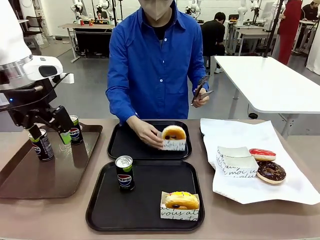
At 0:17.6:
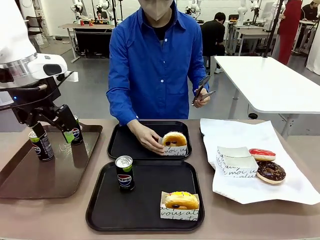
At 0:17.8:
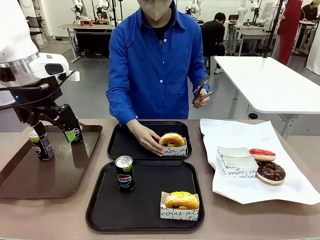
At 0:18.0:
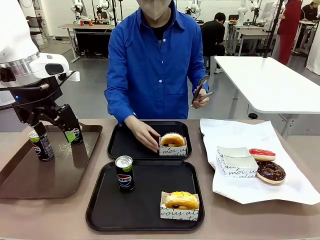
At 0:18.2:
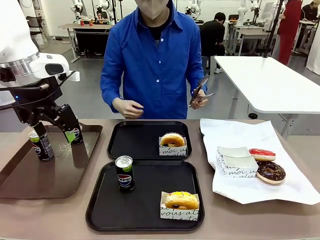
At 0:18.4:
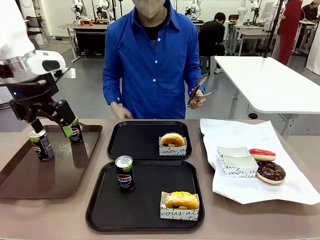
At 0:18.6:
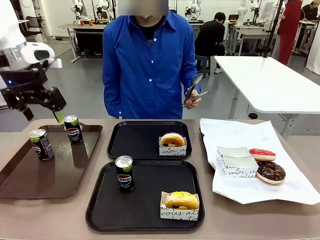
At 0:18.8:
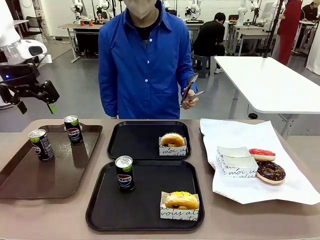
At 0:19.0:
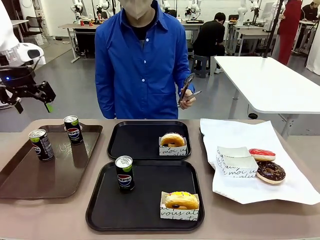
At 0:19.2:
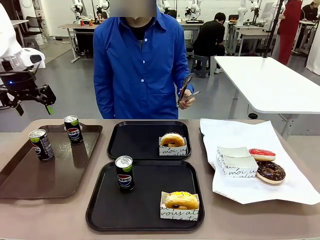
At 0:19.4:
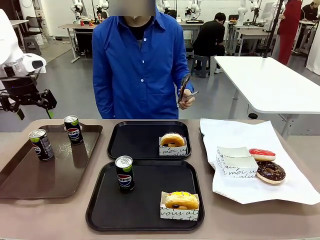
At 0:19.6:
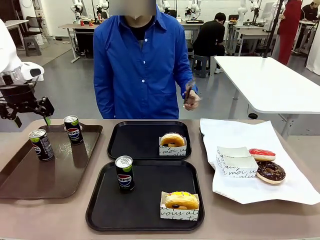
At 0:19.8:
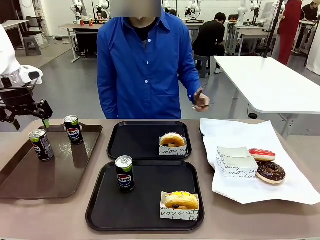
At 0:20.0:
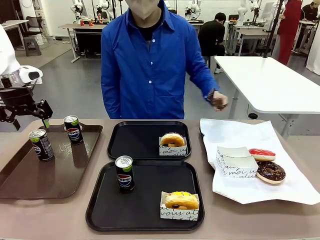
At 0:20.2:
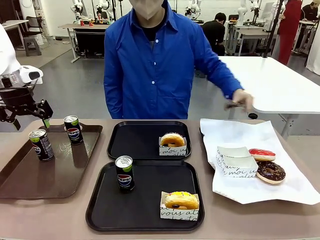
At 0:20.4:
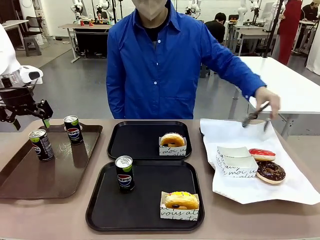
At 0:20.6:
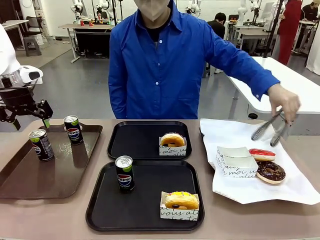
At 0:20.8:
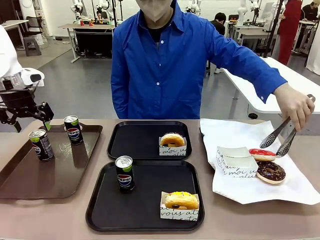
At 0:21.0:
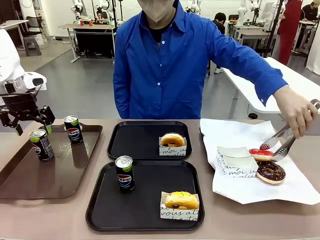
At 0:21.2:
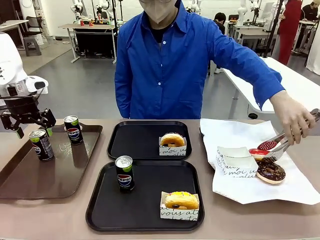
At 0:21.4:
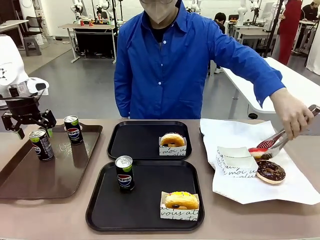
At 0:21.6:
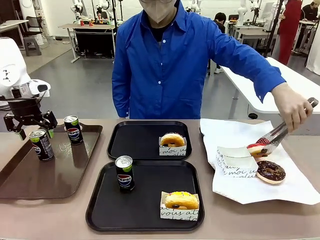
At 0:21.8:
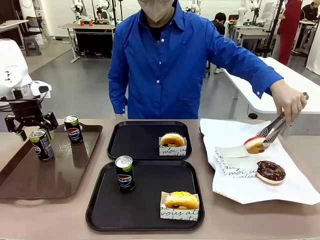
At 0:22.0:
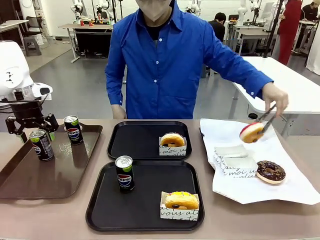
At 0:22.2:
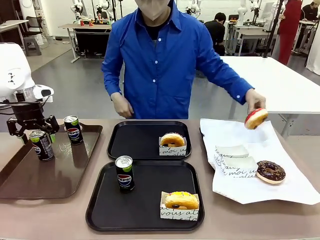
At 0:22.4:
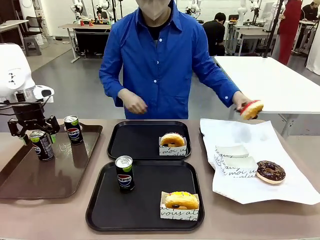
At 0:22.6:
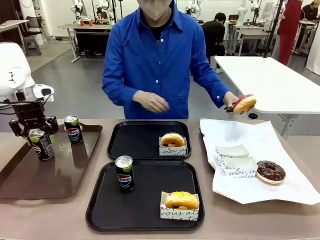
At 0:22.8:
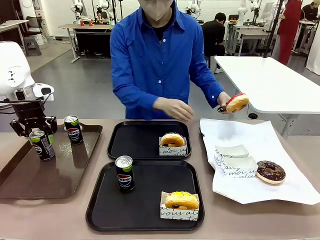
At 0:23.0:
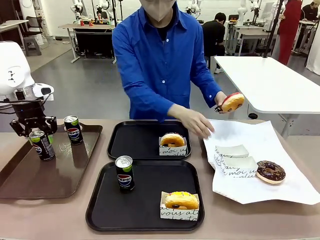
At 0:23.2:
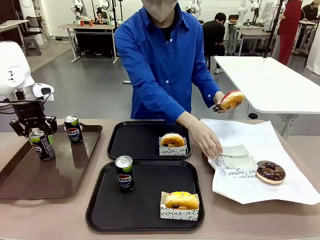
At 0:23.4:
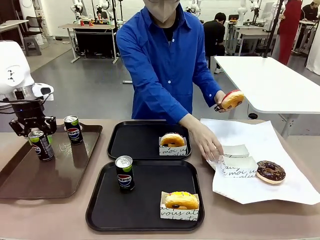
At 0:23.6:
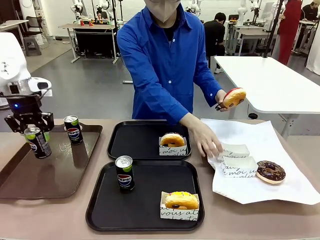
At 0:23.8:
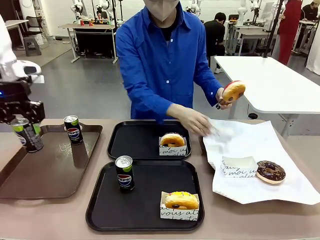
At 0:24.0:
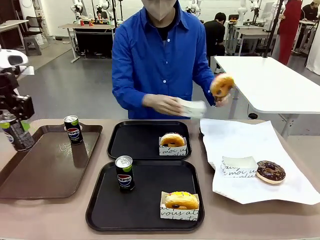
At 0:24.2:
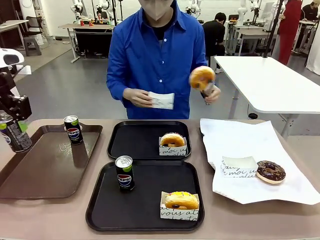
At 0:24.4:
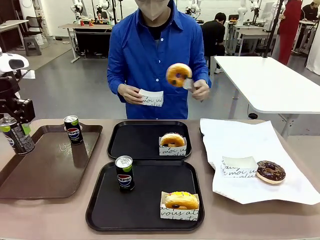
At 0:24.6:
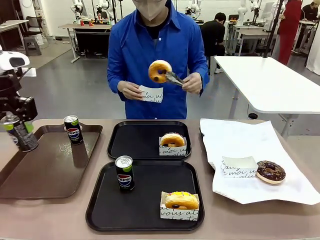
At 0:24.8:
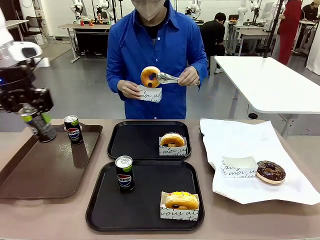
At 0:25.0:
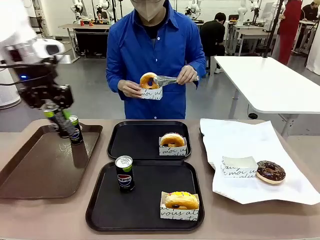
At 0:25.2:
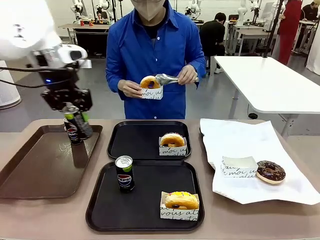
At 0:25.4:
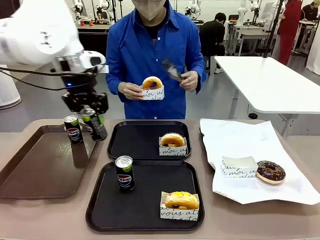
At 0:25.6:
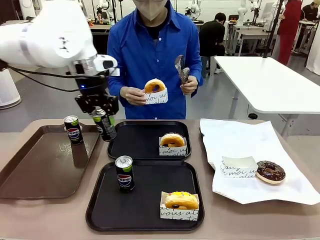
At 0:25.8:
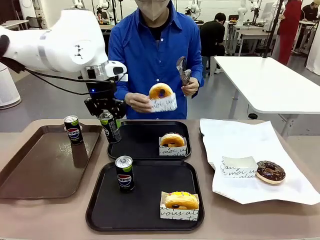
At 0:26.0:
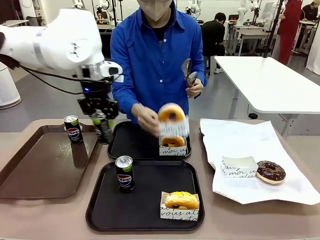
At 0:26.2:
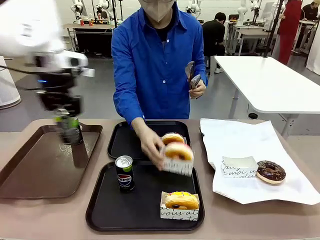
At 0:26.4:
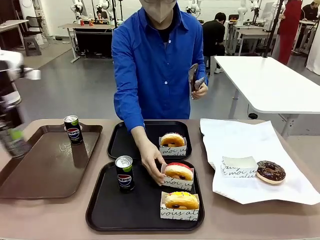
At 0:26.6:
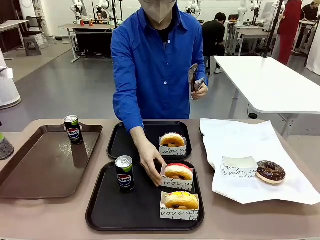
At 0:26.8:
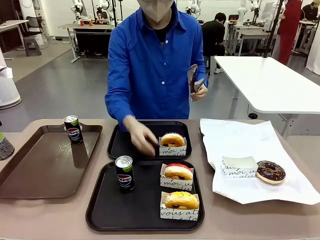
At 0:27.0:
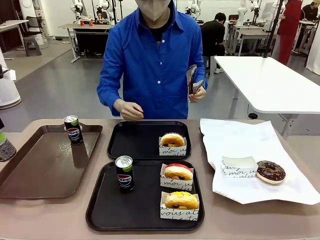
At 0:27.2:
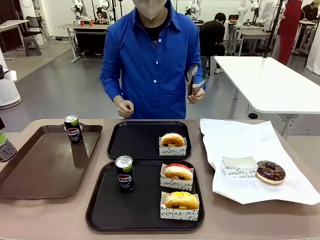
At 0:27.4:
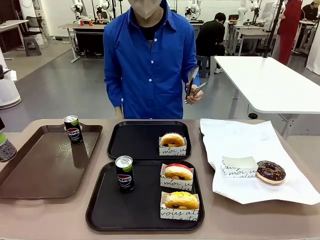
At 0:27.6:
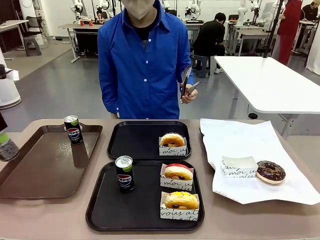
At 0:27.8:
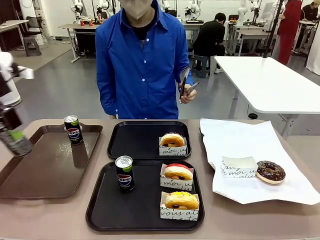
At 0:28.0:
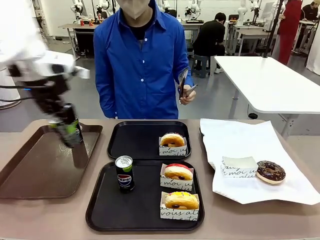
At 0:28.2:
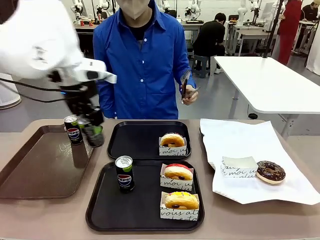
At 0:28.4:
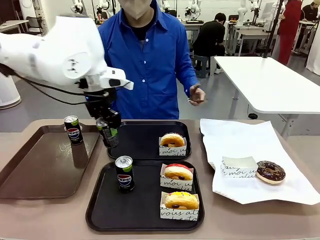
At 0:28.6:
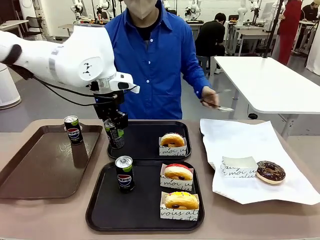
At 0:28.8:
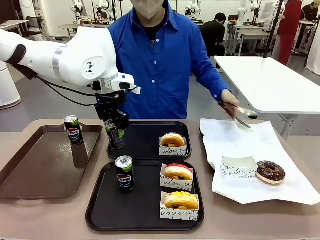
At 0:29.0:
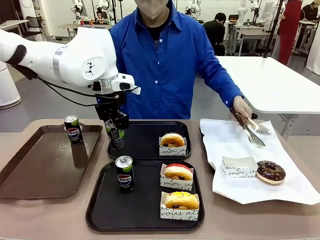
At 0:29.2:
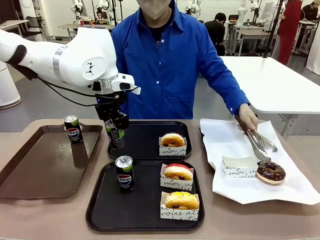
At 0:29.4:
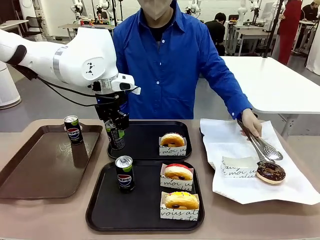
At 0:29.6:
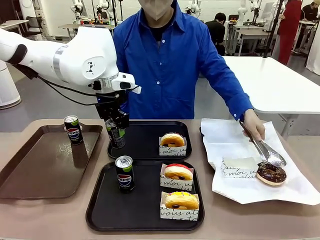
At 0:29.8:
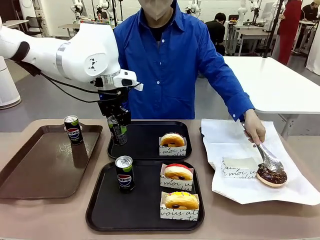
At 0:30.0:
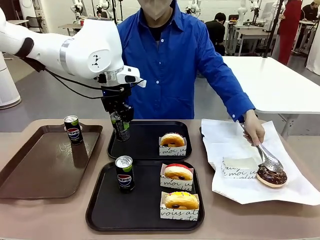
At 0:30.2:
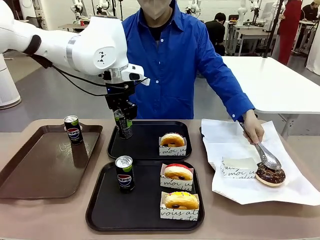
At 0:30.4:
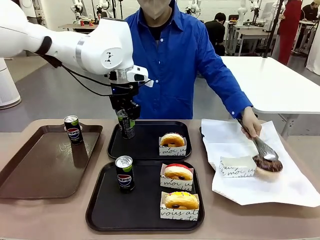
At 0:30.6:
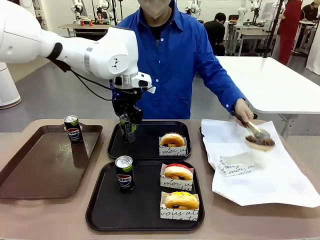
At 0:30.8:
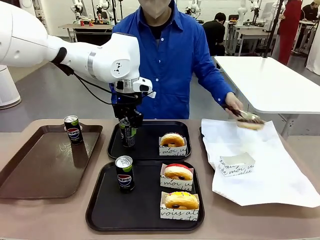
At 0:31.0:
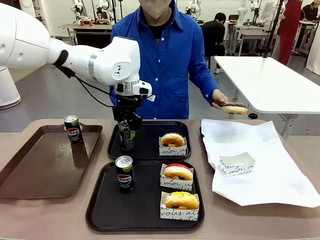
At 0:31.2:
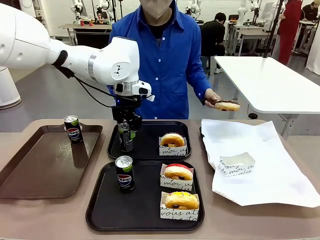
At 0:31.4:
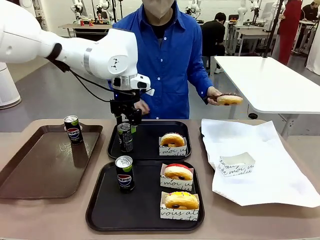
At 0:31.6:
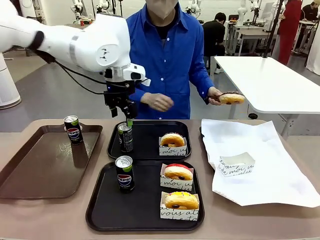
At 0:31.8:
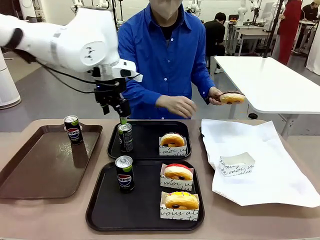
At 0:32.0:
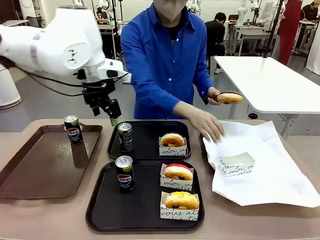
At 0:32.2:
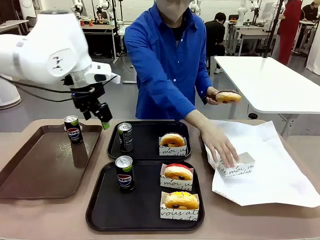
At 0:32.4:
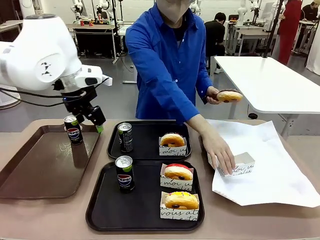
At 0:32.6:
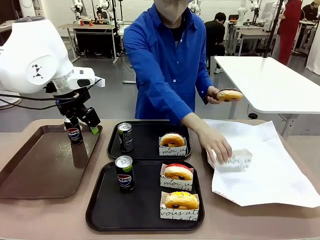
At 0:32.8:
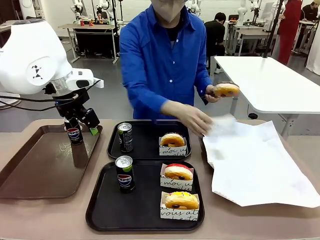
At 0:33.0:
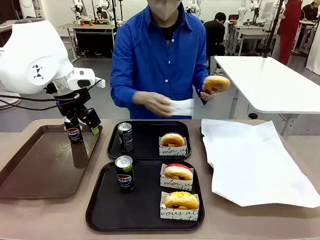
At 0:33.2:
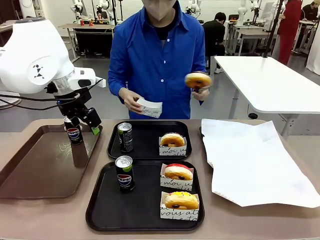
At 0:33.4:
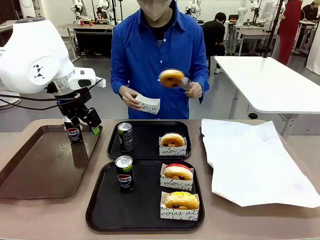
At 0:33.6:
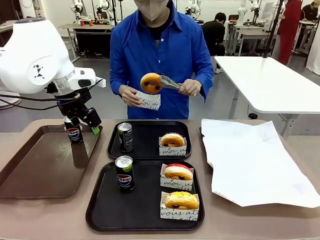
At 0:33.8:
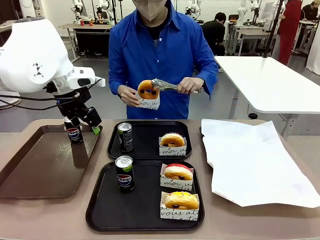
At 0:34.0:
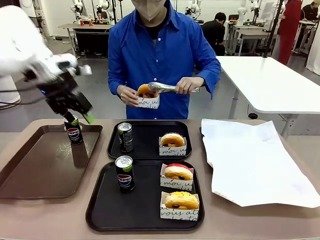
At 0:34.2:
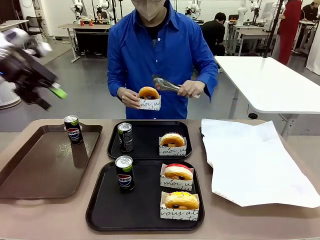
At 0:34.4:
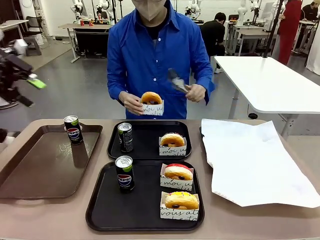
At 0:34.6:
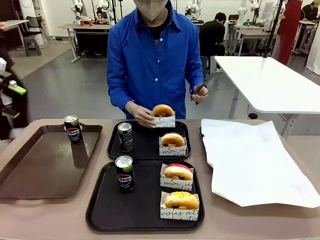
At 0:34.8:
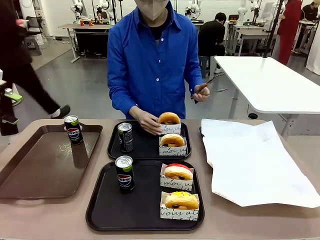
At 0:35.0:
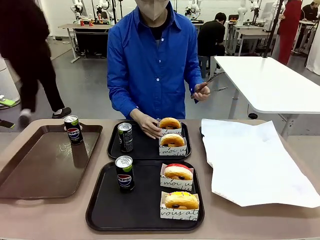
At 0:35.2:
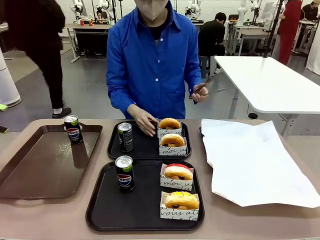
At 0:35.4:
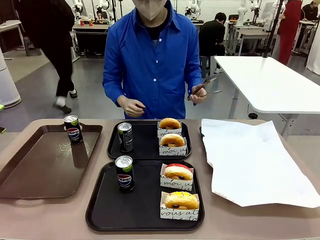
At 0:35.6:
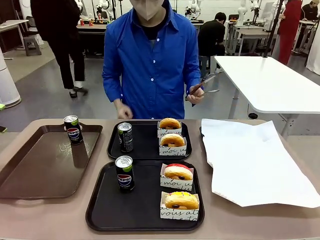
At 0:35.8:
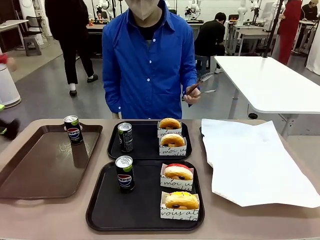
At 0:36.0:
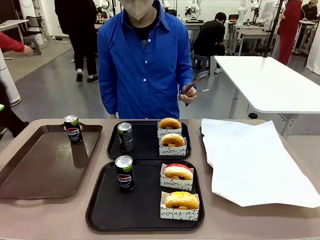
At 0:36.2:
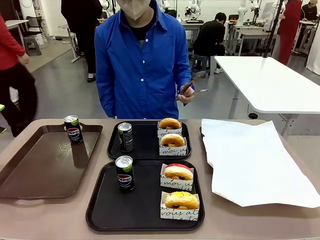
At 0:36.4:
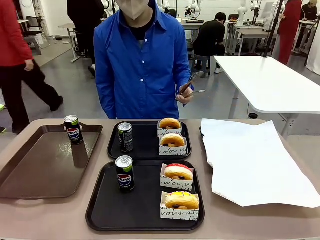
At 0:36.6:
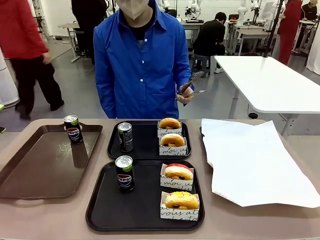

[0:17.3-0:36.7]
Task: Set up donuts and drinks on trays.
Robot: Pick up one Pepsi coke from the Handle tray and place it on the Flat Tray without a Pepsi coke.
Person: Pick up one donut with tongs, place it in the donut tray, and then place the donut tray on the flat tray.
